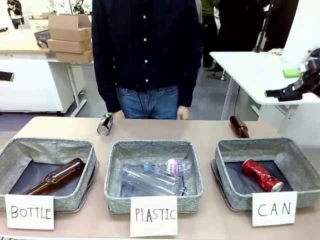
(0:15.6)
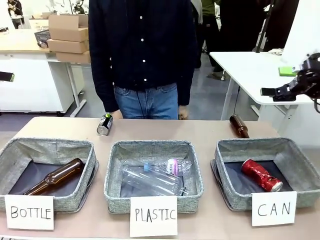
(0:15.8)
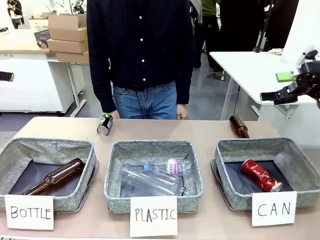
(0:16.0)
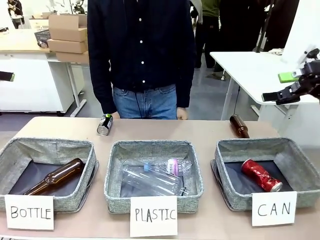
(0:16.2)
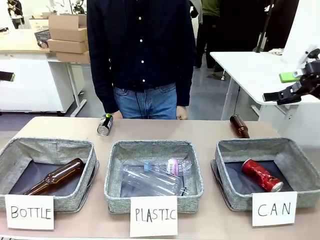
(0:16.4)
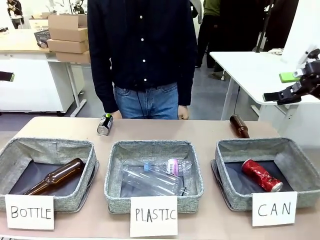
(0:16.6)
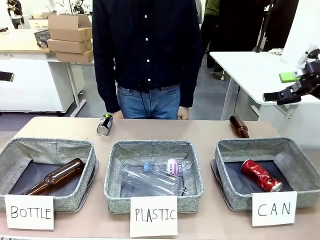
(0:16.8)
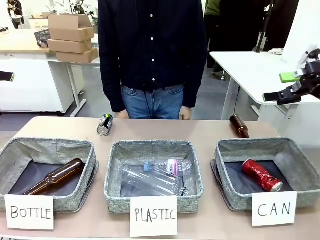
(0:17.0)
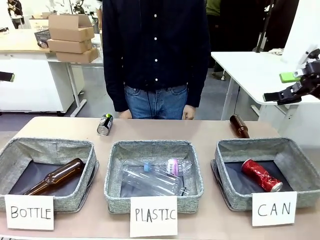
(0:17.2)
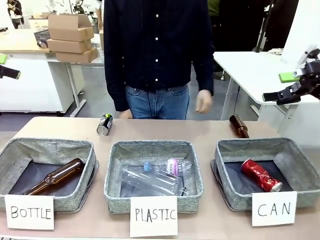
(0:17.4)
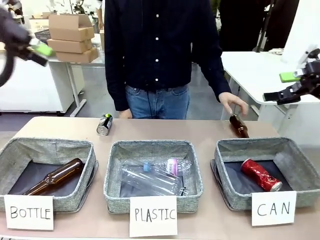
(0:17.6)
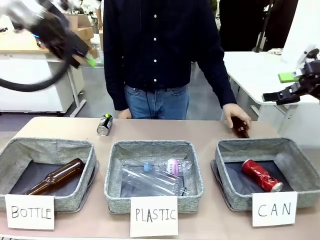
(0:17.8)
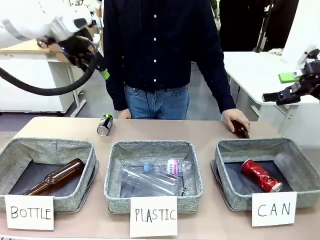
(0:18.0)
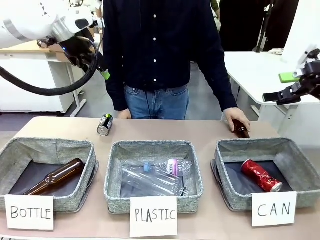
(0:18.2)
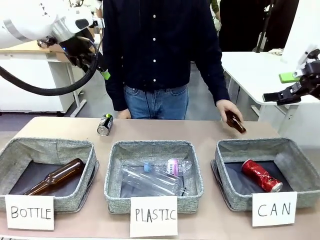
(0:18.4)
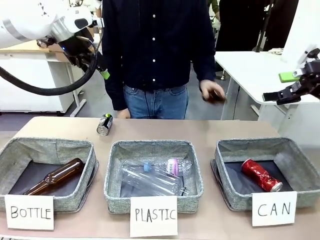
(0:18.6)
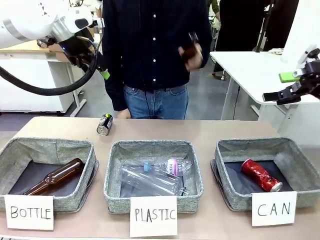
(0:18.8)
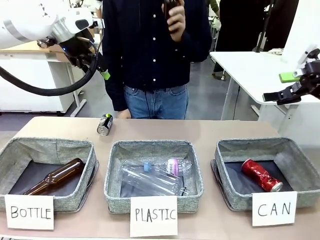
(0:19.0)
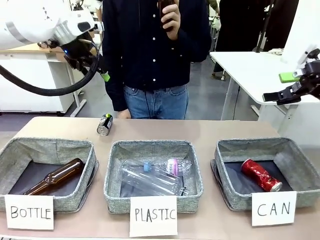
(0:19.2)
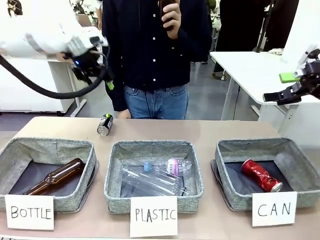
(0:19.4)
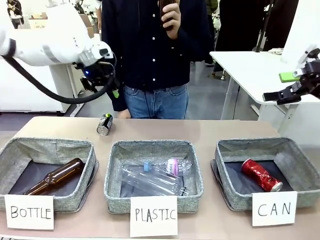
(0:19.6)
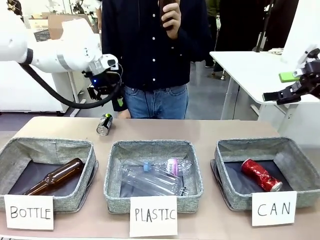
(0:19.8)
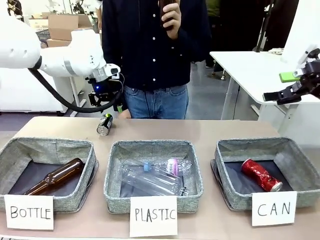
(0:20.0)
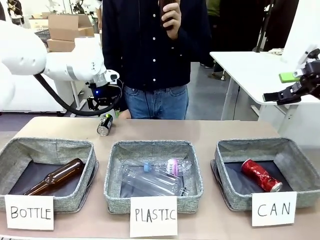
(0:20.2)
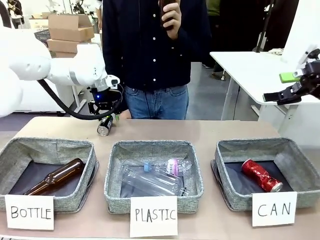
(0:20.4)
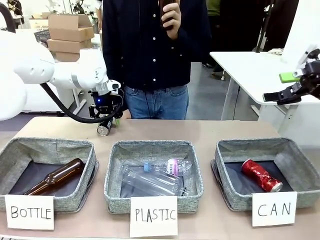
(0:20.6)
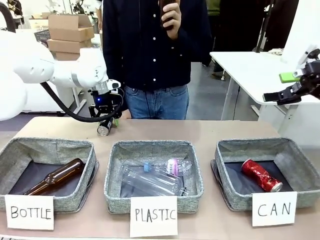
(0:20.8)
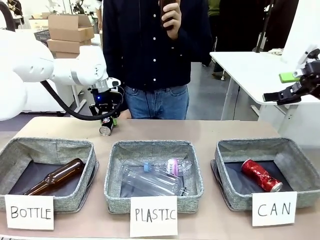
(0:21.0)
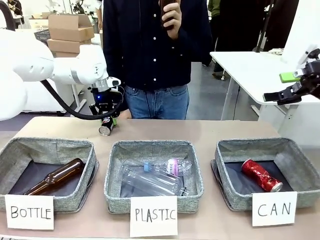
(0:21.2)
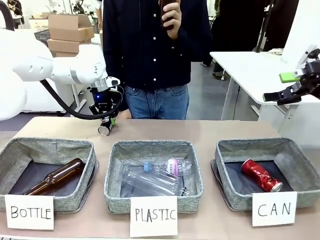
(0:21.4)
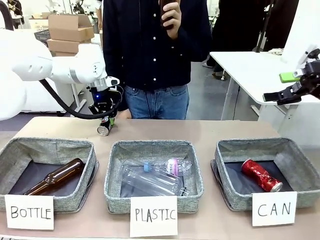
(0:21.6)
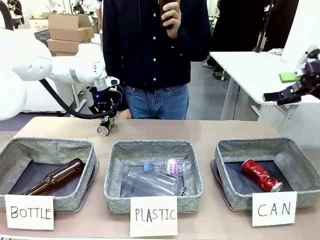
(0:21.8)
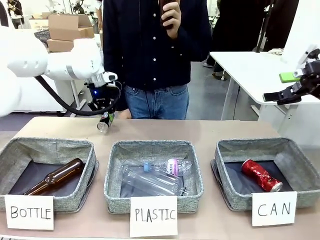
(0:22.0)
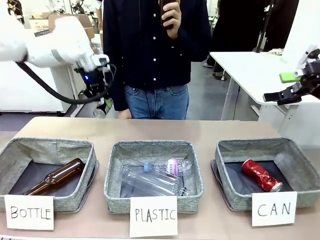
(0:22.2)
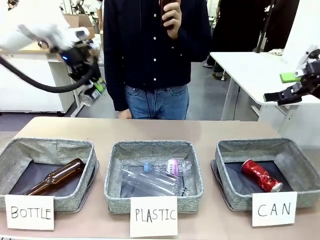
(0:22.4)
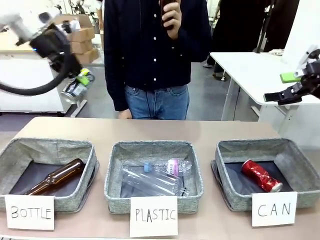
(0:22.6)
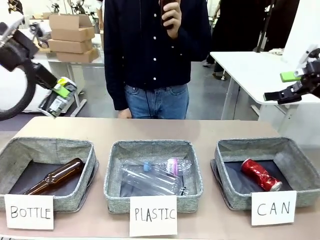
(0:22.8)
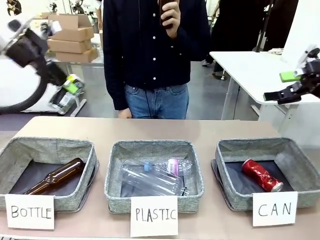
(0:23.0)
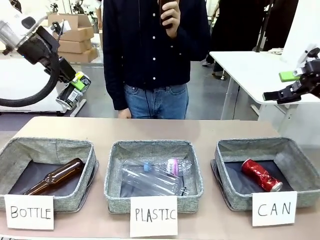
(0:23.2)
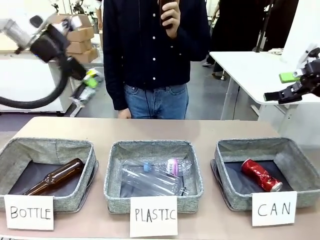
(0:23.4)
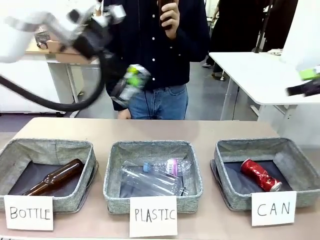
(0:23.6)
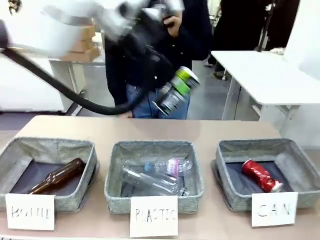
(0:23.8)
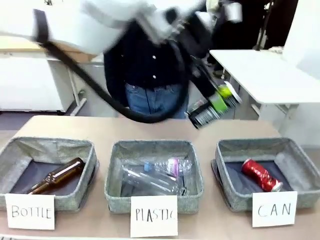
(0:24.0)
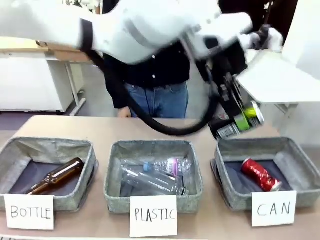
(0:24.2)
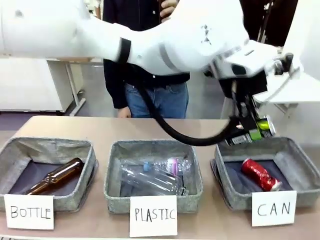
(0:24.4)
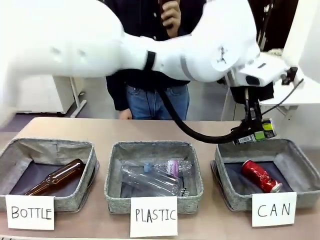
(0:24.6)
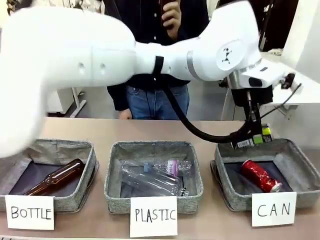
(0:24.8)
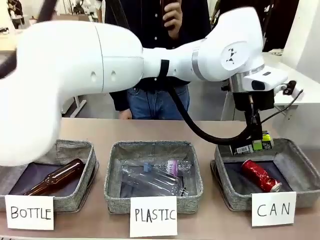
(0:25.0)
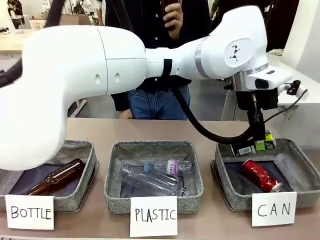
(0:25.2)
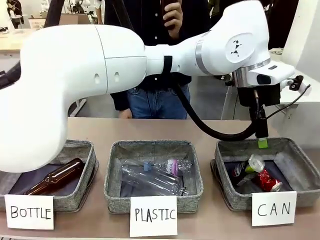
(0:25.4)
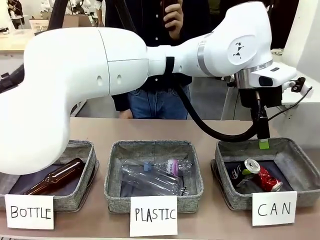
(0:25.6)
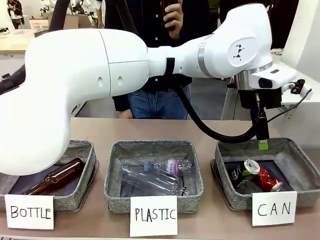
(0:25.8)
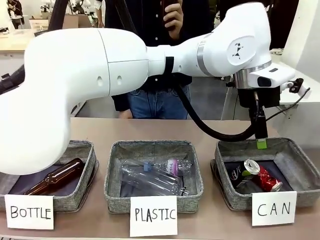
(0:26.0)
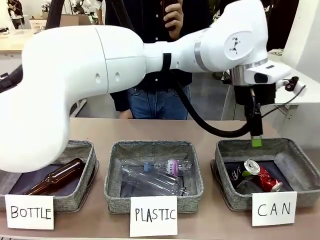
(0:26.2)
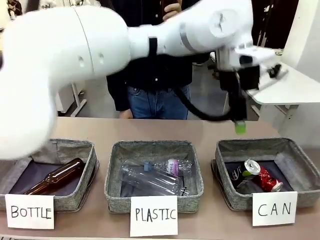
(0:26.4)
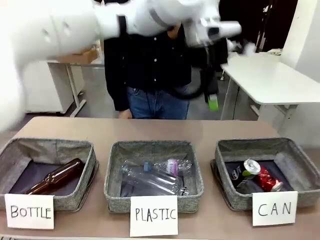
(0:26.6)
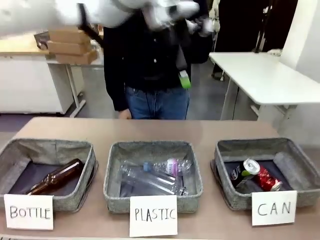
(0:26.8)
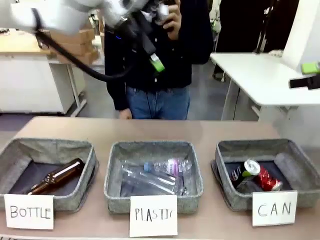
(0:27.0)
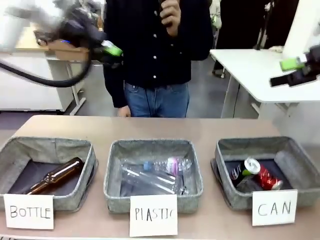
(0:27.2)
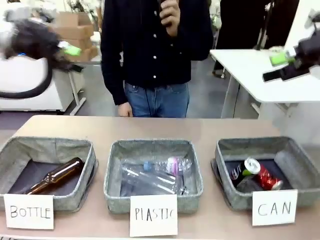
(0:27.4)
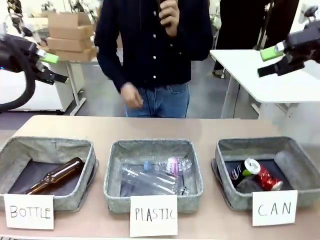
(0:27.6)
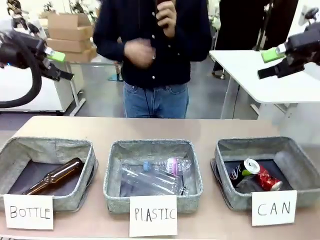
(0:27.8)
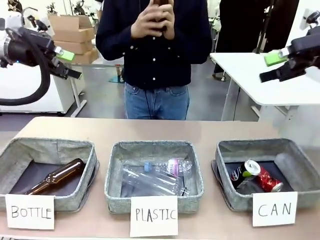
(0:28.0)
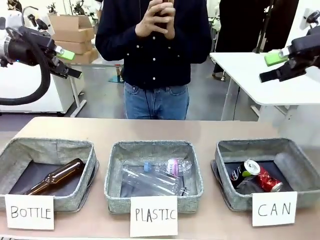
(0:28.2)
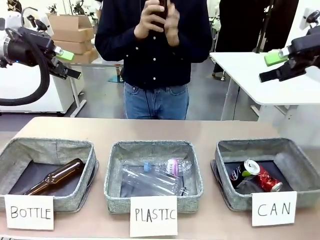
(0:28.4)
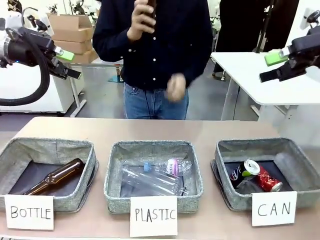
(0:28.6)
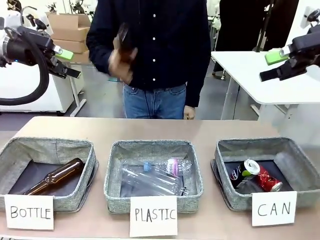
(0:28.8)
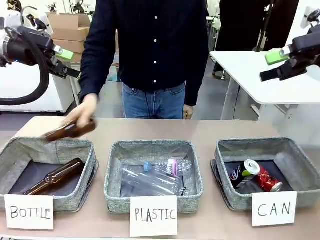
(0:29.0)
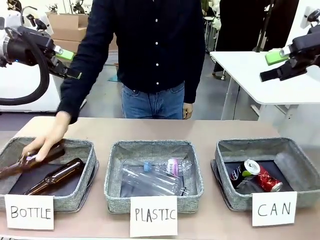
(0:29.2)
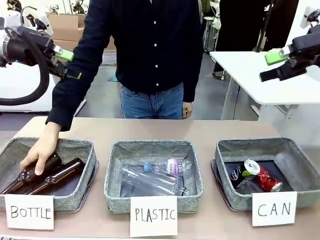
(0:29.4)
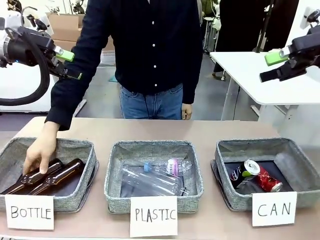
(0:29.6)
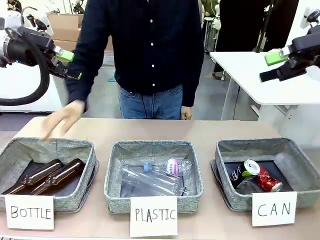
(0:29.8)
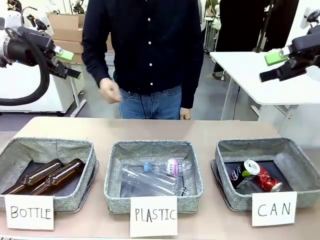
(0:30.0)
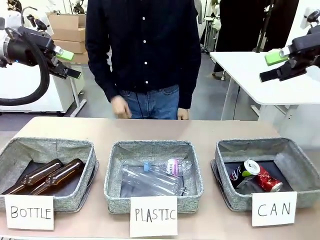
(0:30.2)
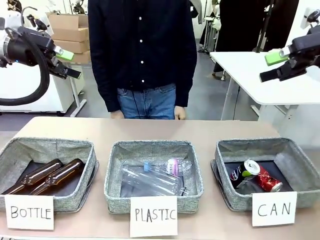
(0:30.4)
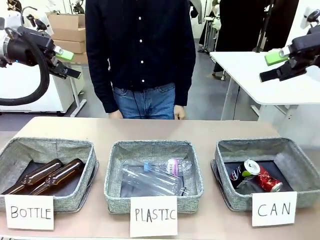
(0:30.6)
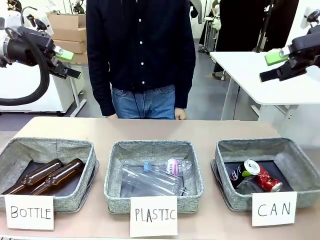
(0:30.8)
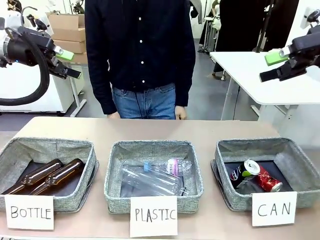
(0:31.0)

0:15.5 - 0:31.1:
Task: Sort the can waste into the basket.
Robot: Pick up the can waste from the table and place it in the right Fabric basket.
Person: The human picks up one piece of trash that is not a can and places the trash into the appropriate organizing basket.
